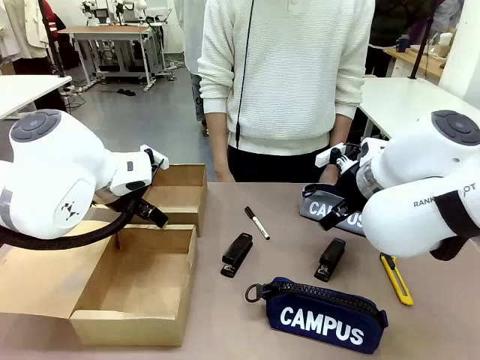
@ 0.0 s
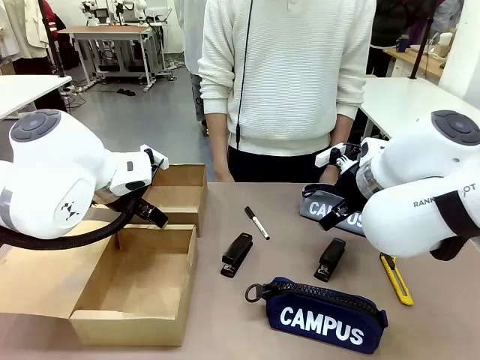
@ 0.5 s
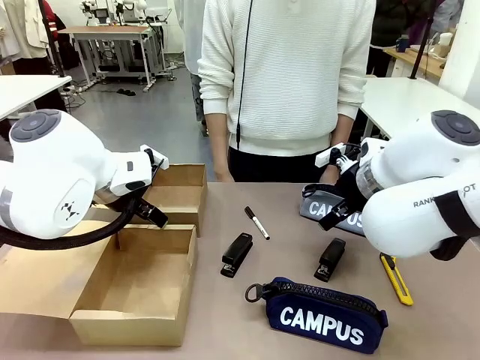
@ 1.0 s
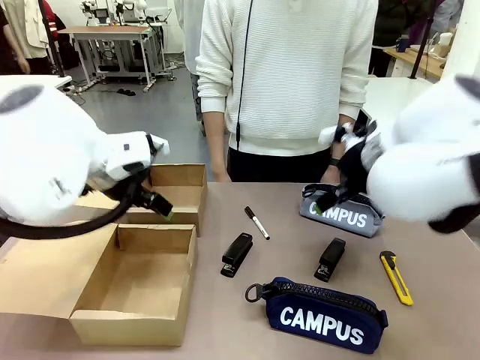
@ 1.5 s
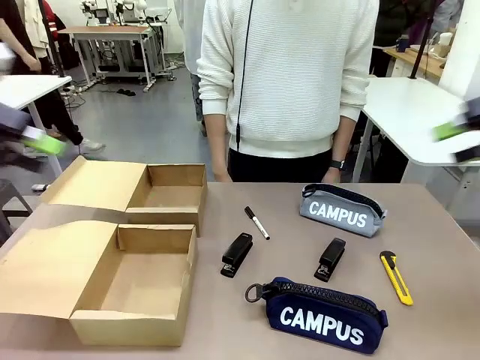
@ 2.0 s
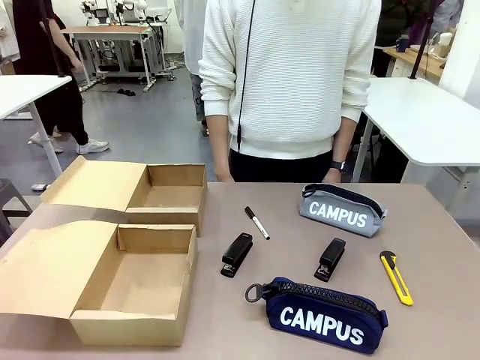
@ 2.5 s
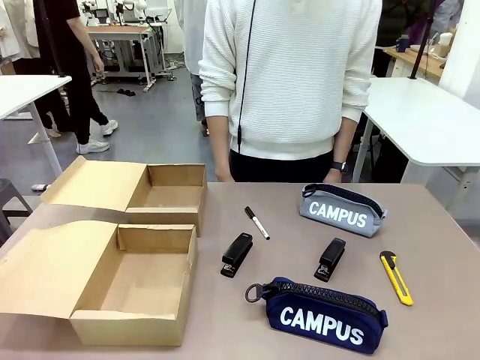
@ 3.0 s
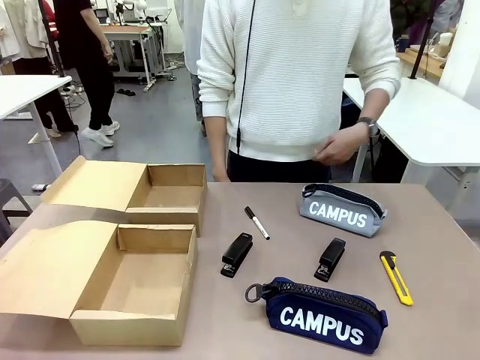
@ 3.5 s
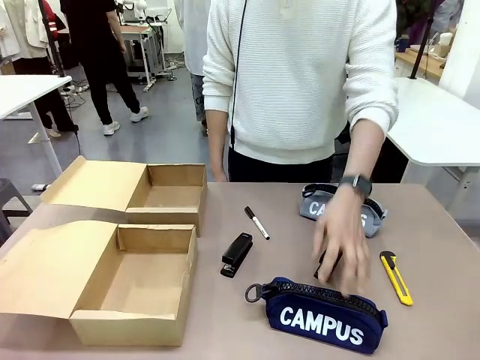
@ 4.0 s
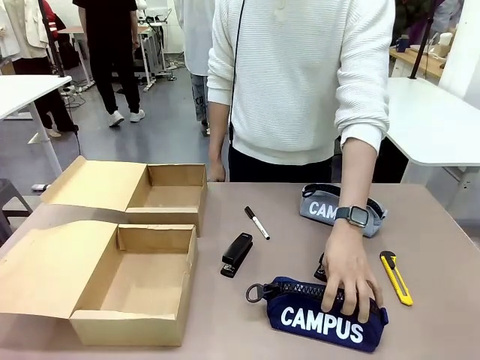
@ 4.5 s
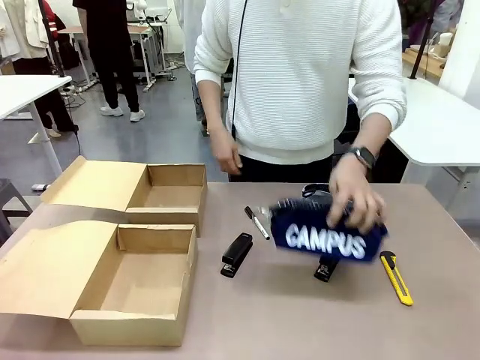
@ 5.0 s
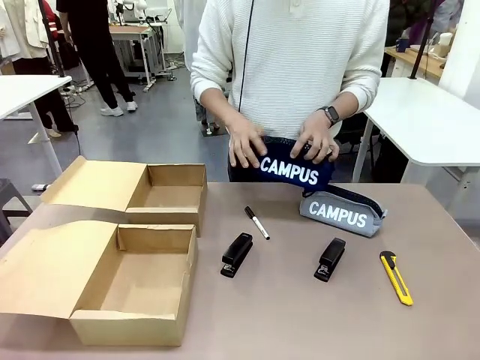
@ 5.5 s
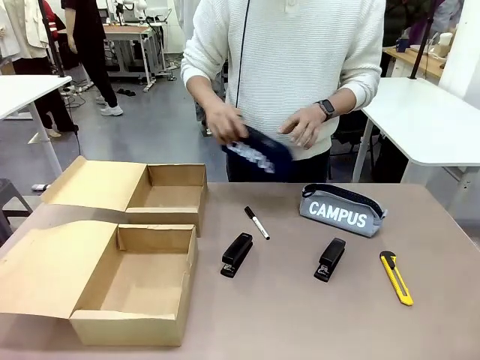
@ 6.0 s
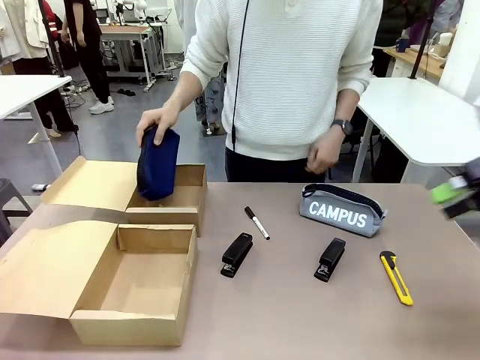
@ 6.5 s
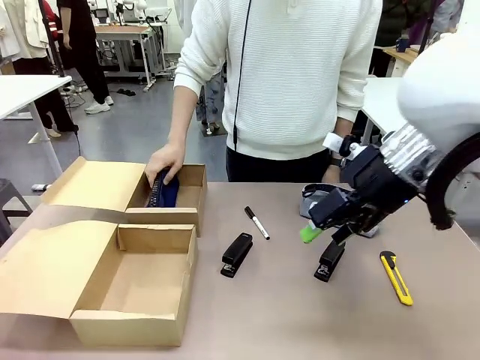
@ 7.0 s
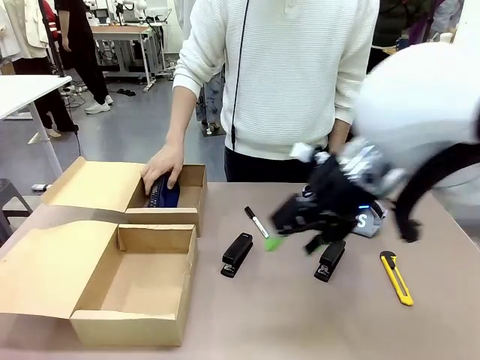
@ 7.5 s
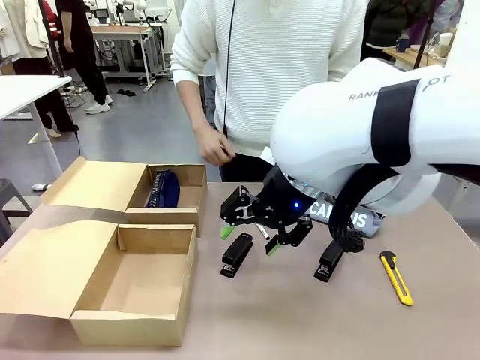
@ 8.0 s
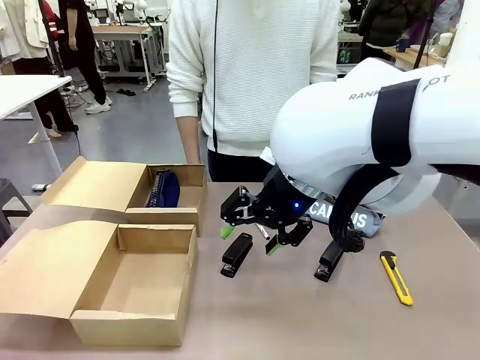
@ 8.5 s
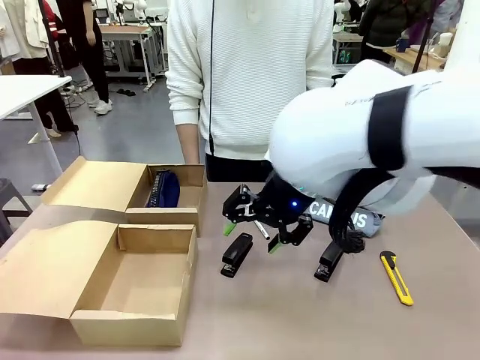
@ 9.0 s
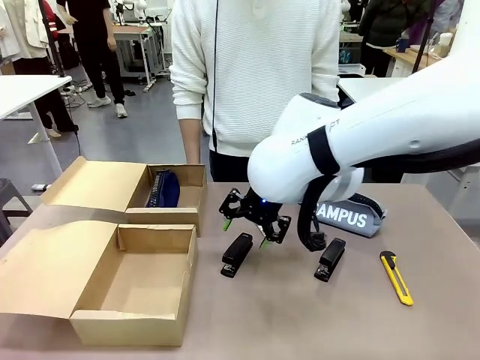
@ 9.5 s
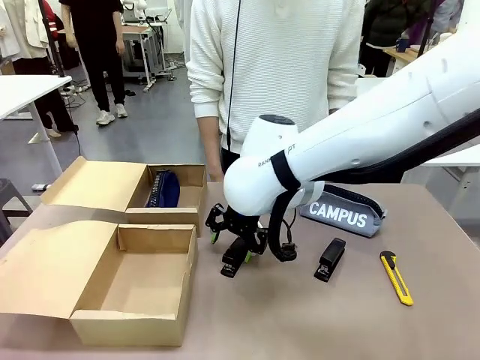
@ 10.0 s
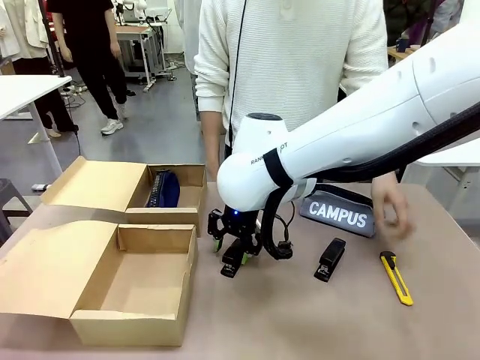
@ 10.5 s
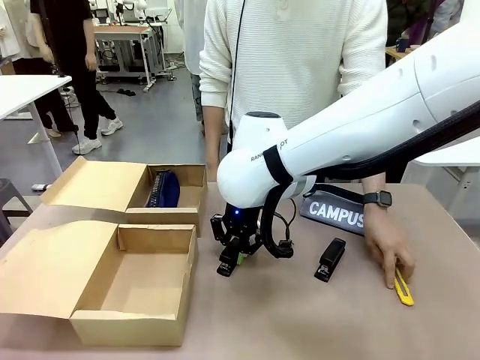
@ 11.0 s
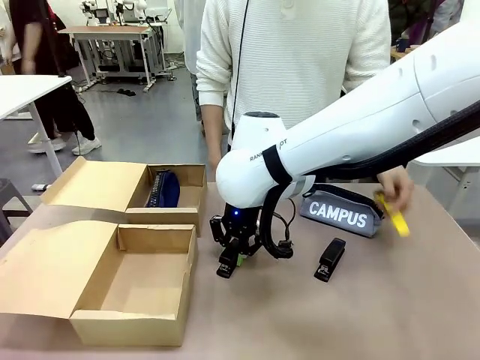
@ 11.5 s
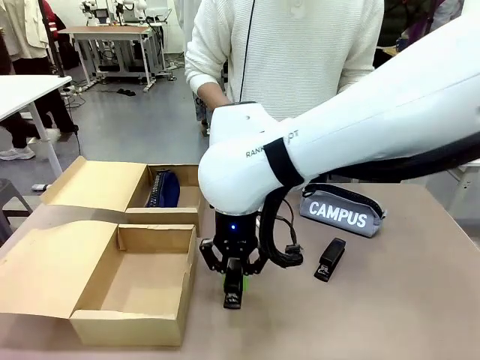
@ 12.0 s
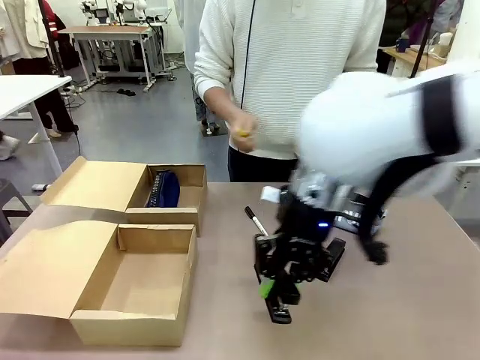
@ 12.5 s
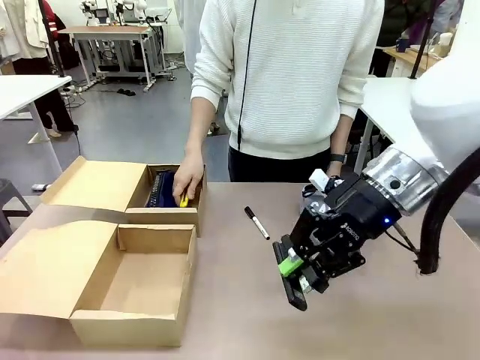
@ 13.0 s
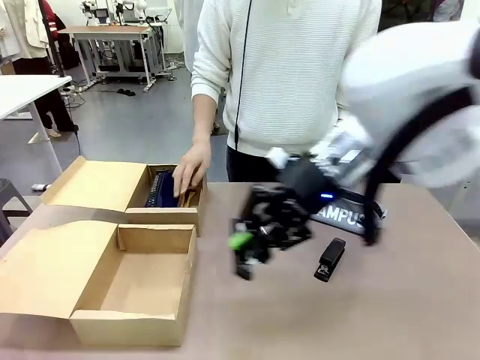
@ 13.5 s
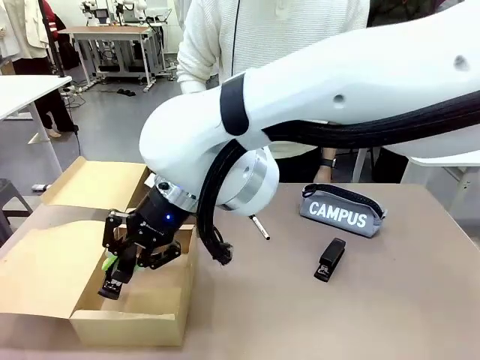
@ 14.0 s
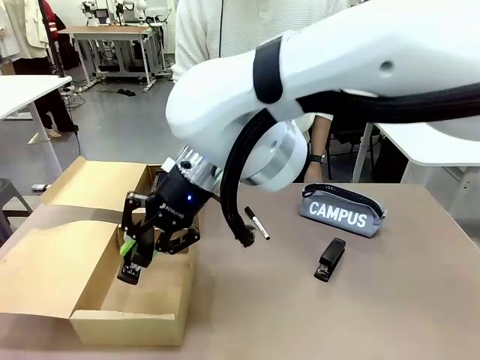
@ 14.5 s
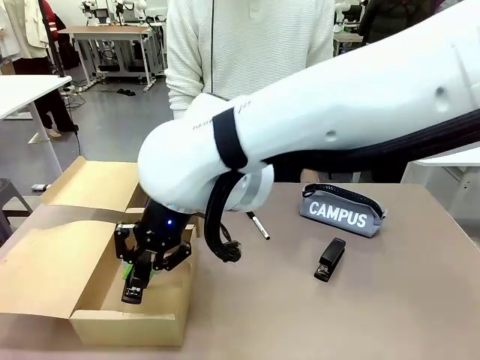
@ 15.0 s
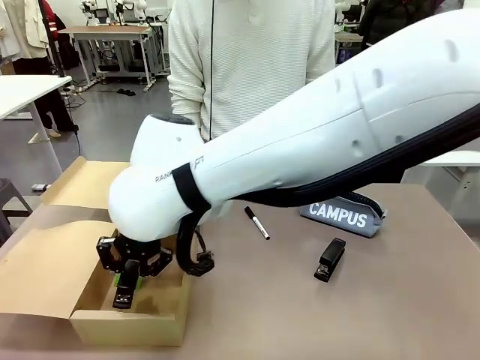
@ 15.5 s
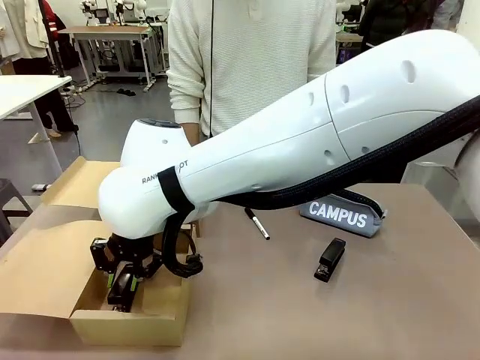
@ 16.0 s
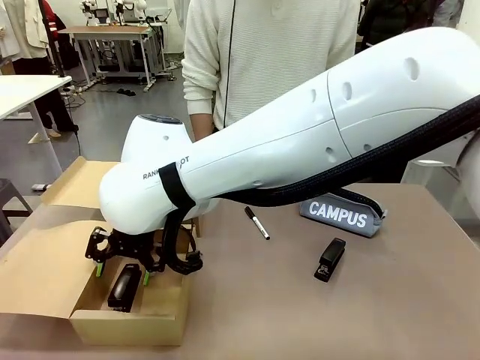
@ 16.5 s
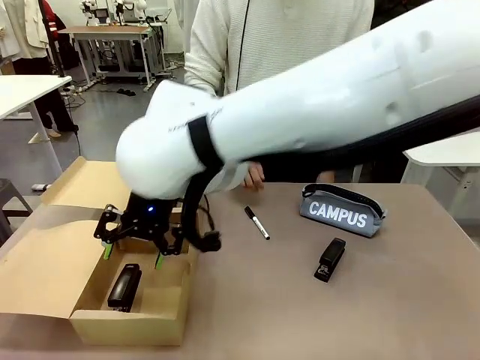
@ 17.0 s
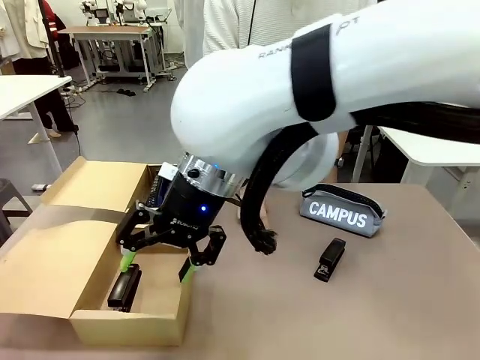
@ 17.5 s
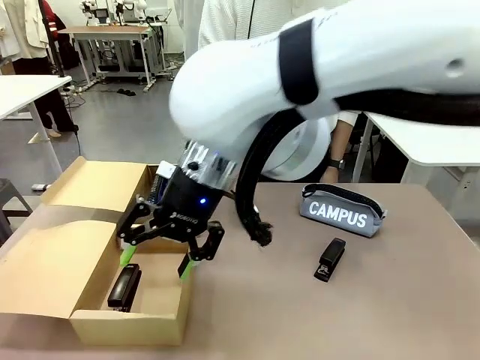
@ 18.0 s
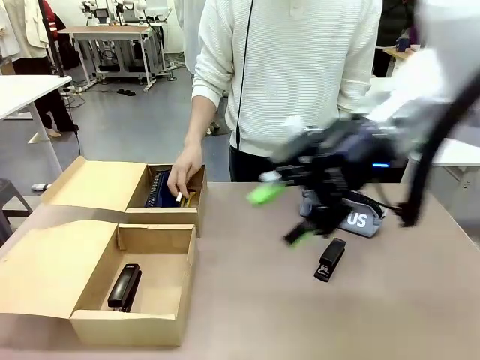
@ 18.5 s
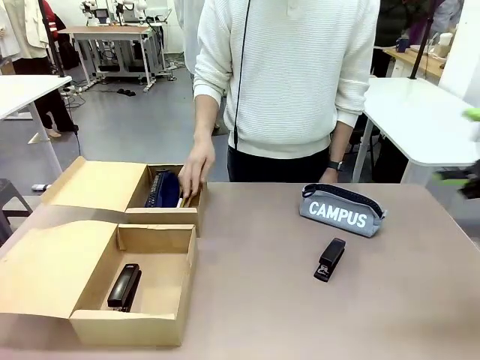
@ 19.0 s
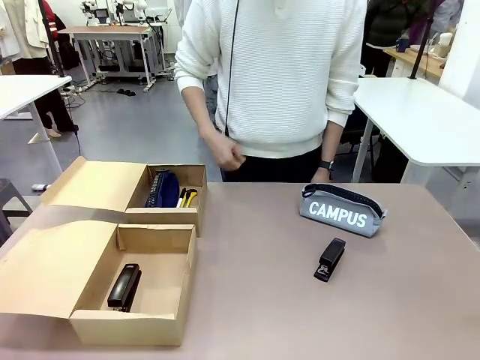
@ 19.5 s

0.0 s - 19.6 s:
Task: Place items inside the box.
Robot: Pick up a Pencil pouch or Stapler and place it inside the Mailer Box closest to the robot.
Person: Pick up an object on the table and put it in the box.
